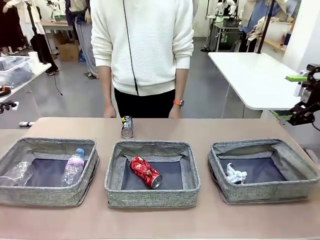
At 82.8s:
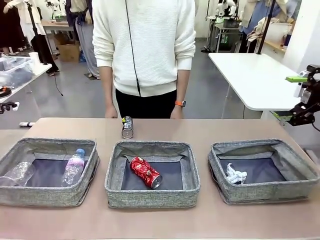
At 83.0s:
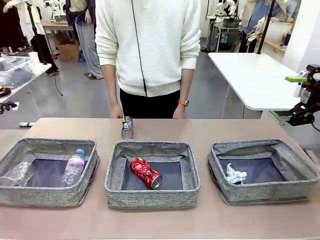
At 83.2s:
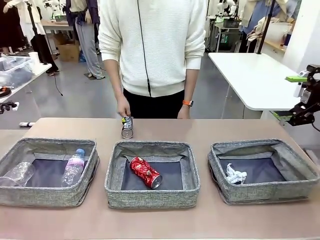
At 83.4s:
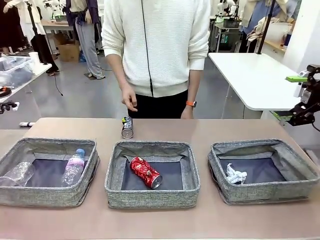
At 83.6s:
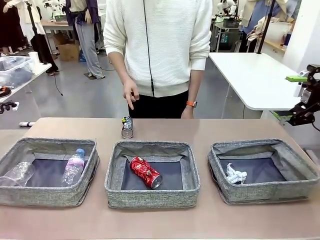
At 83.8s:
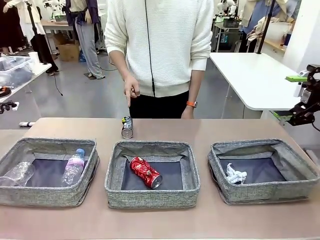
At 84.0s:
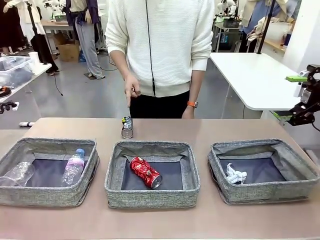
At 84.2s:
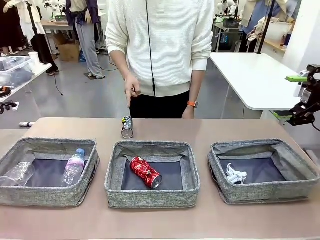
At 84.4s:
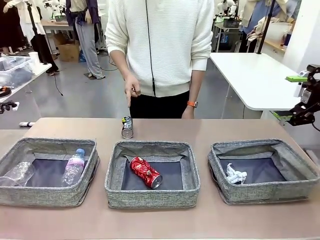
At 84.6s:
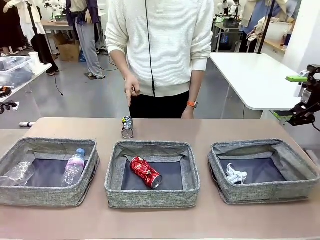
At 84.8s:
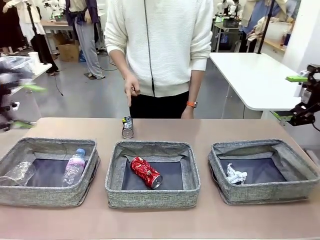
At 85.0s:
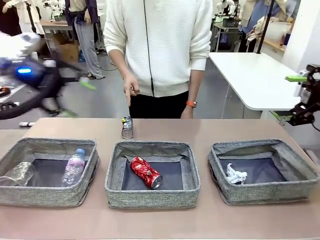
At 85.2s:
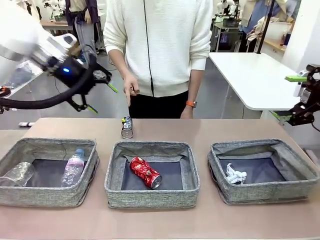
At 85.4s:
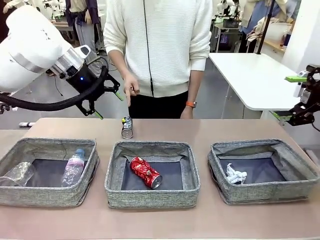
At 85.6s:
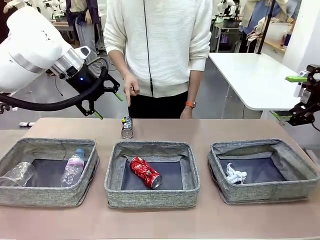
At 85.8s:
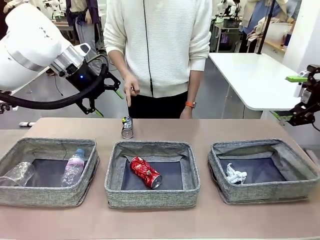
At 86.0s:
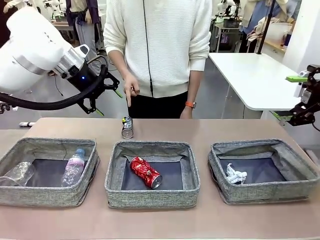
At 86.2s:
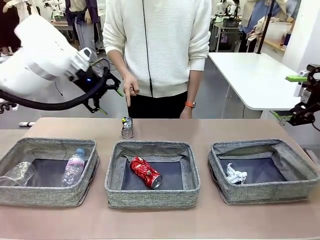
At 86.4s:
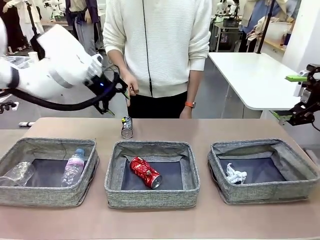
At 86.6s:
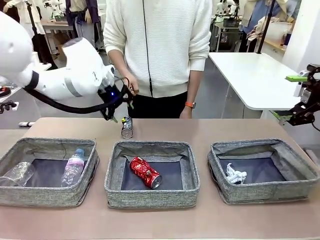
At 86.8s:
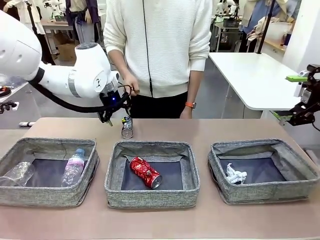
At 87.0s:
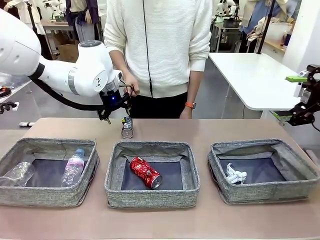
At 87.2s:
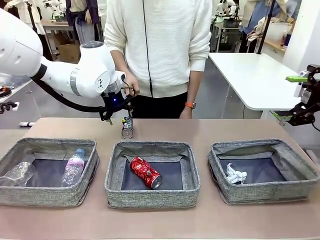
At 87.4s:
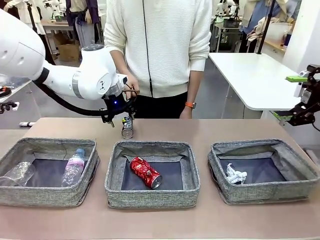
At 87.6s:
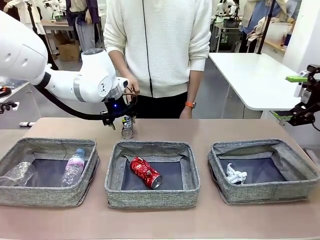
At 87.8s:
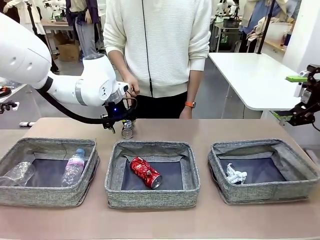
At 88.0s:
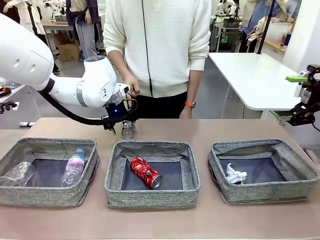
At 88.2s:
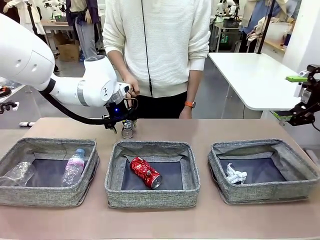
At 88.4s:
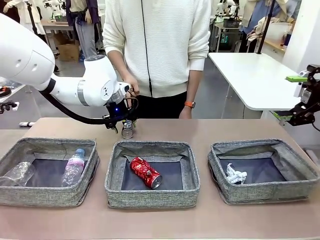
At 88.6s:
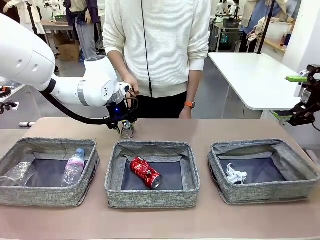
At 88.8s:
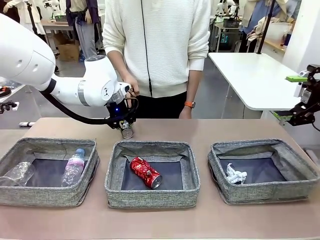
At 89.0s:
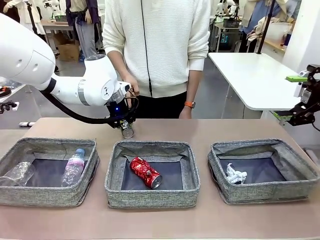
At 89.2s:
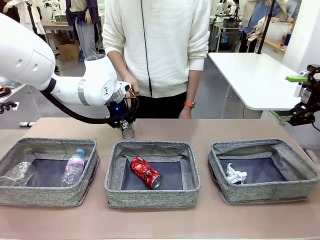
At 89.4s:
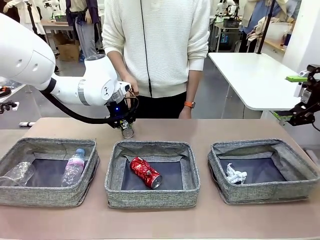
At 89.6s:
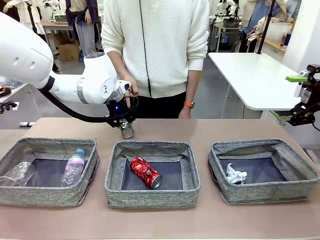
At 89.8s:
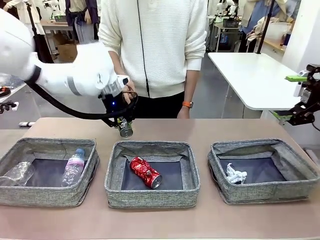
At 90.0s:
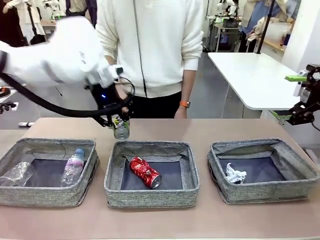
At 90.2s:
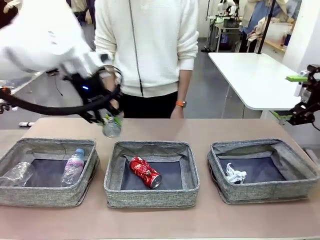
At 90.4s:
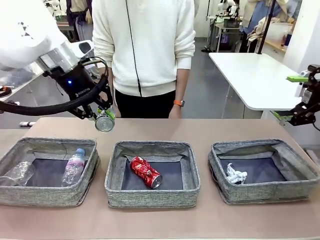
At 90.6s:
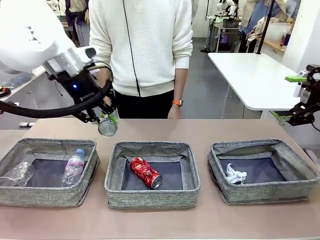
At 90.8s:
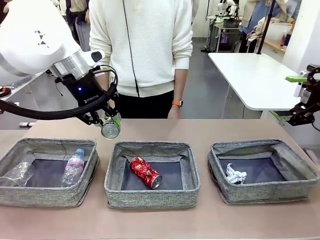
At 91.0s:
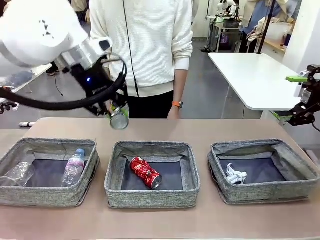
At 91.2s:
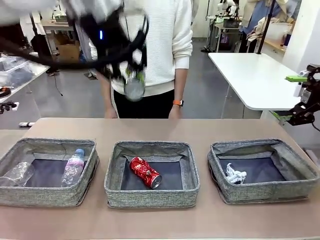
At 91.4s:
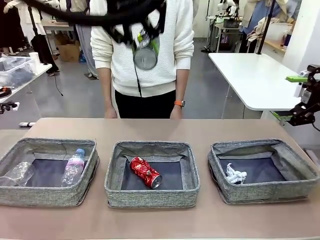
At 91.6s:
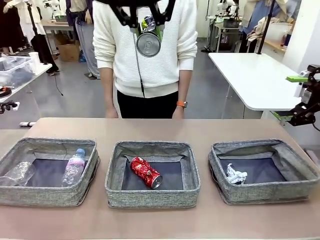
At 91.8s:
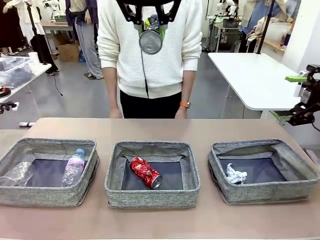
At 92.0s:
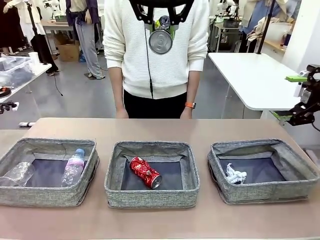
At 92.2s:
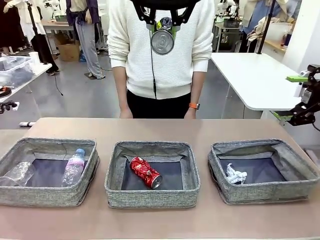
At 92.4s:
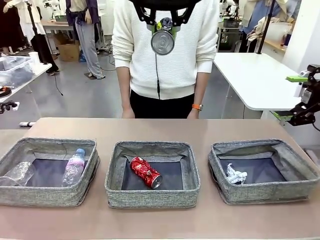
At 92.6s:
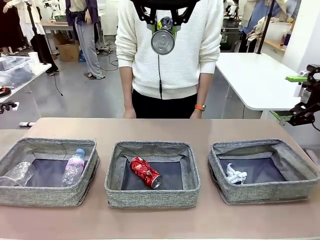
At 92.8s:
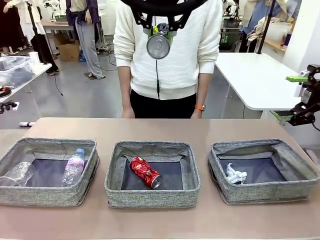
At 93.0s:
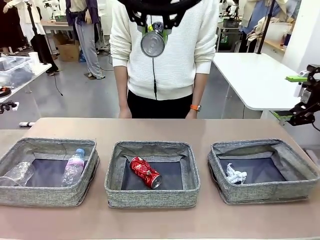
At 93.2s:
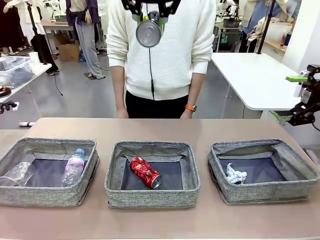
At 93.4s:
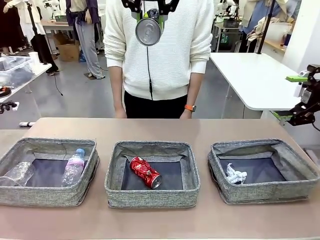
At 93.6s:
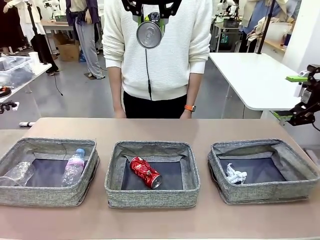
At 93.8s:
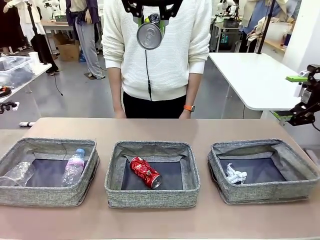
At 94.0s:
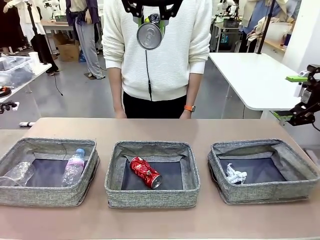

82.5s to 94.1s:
Task: Sort the waste into the appropriate baskets.
Robot: Pick up the waste item pointed out by the person.
Person: Points to one piece of trash on the table.

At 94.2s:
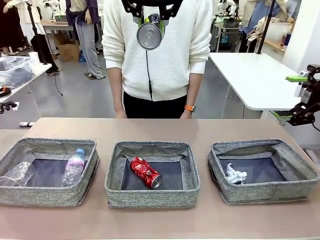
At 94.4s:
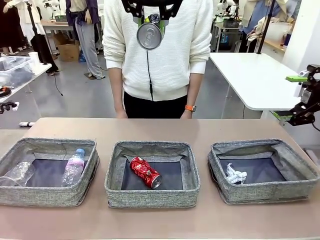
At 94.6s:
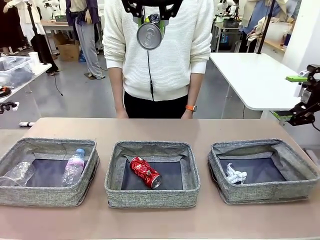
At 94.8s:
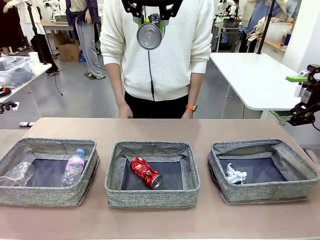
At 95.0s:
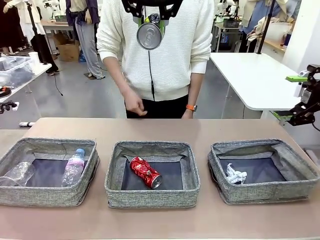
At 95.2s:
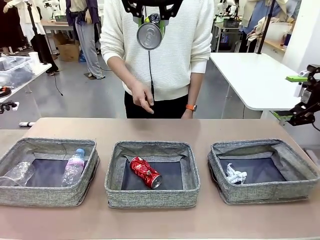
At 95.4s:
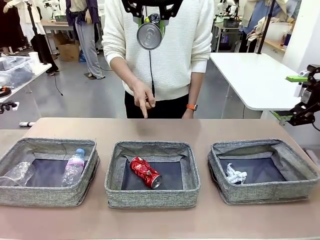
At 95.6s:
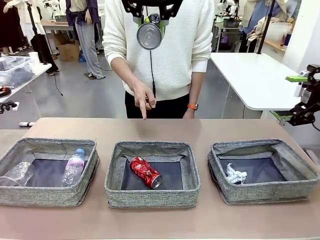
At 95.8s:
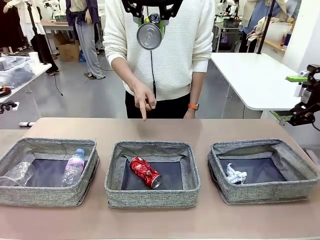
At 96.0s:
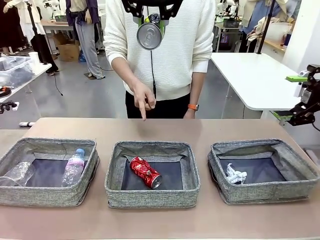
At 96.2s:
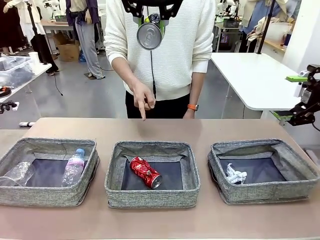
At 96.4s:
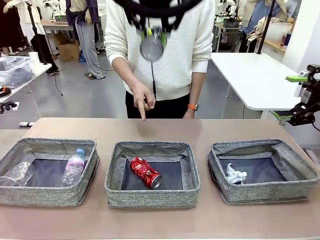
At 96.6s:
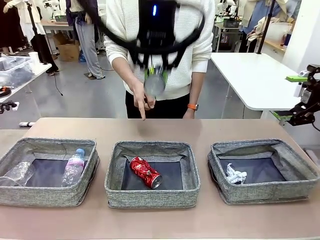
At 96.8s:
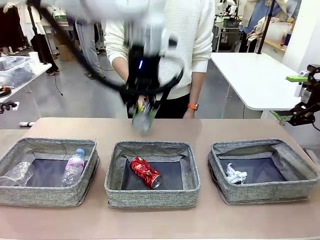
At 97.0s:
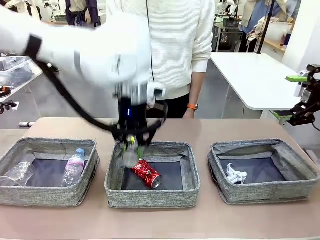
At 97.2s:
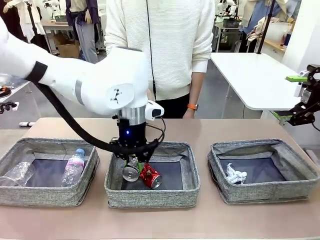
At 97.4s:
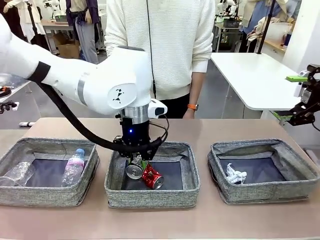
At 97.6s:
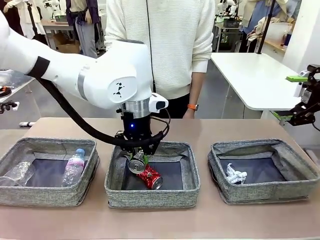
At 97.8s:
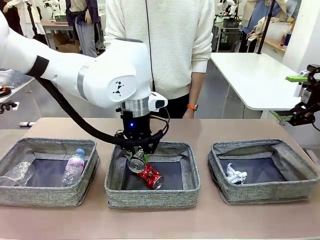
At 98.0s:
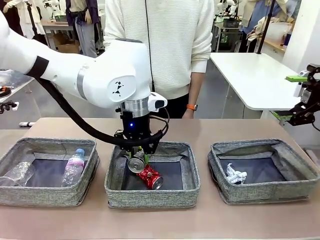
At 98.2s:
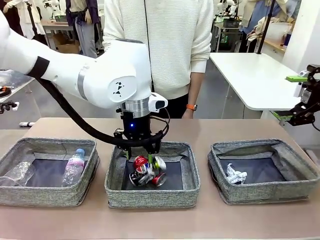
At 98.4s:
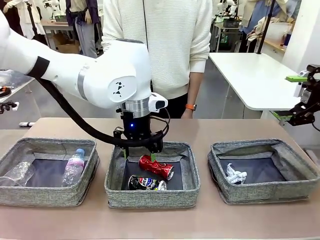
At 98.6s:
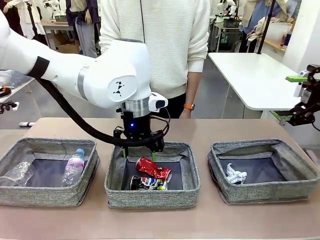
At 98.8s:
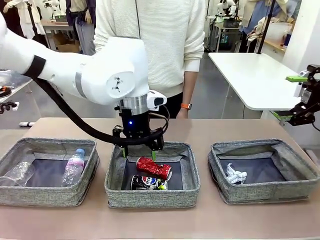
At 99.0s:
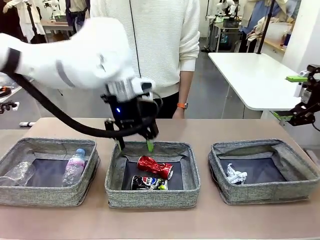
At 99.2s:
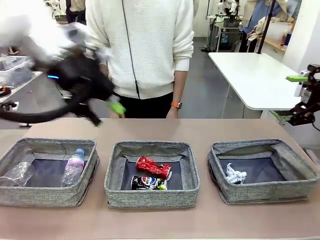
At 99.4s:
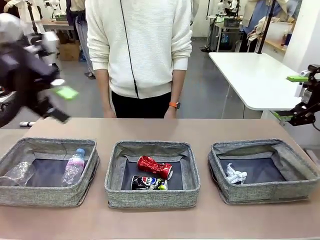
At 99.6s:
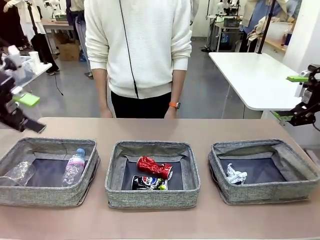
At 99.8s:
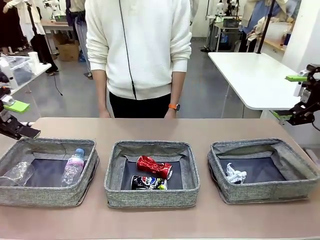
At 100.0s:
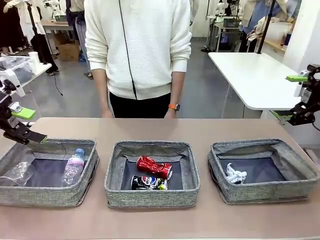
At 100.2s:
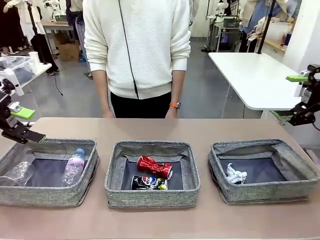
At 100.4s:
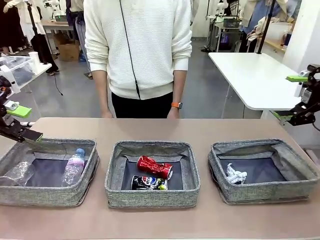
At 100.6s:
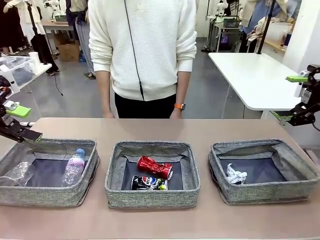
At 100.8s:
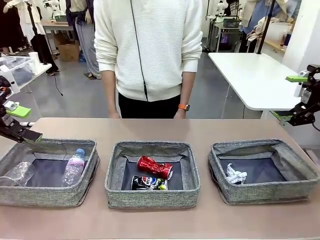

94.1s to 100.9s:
Robot: Place the picked waste into the Fabric basket indicated by the person.
Person: Instructs the robot to place the picked-up trash into the appropriate organizing basket.
